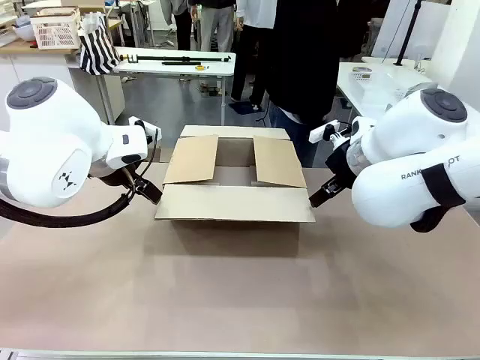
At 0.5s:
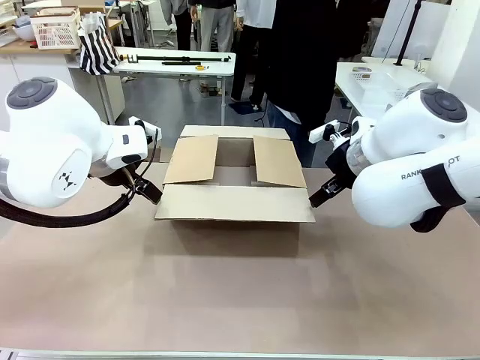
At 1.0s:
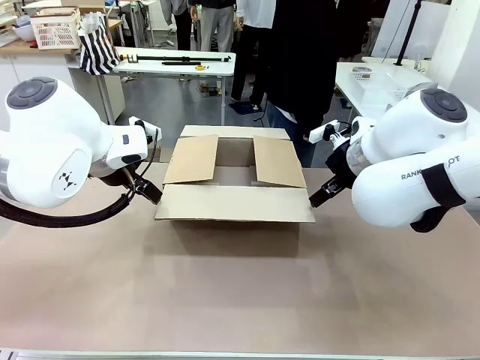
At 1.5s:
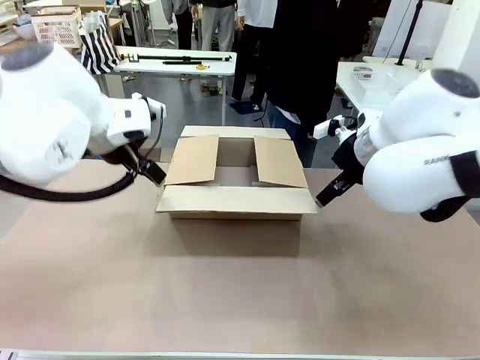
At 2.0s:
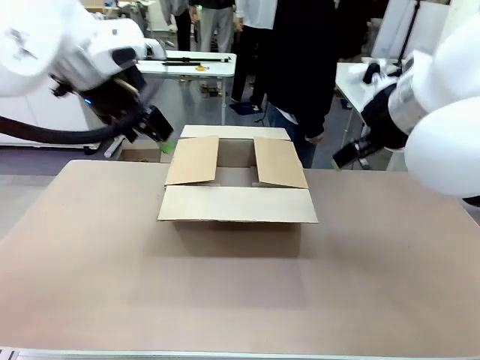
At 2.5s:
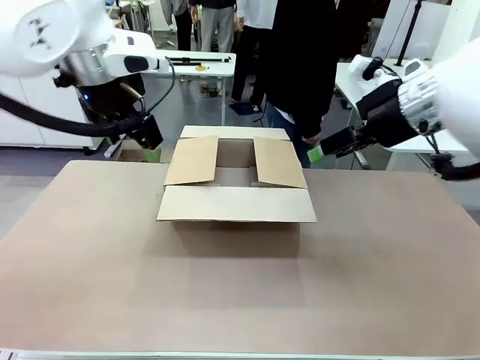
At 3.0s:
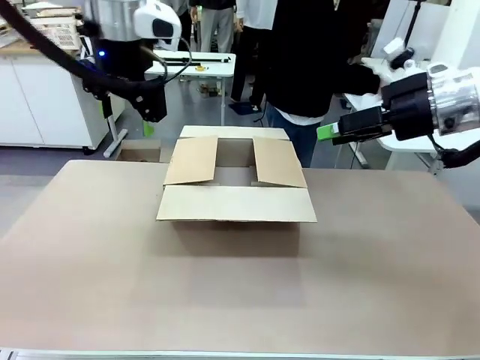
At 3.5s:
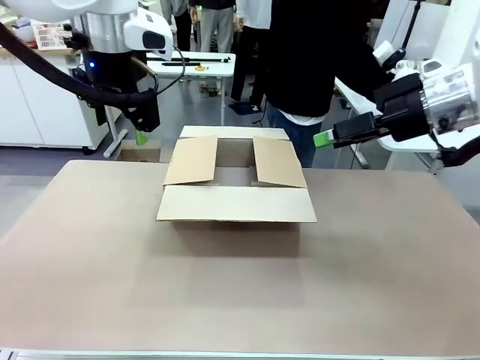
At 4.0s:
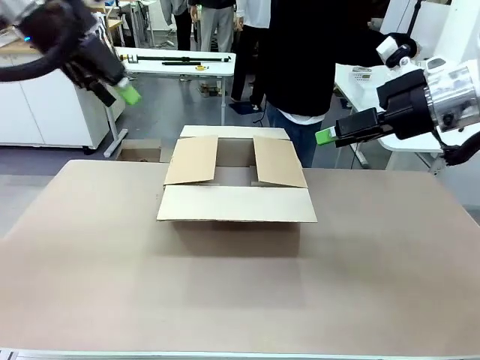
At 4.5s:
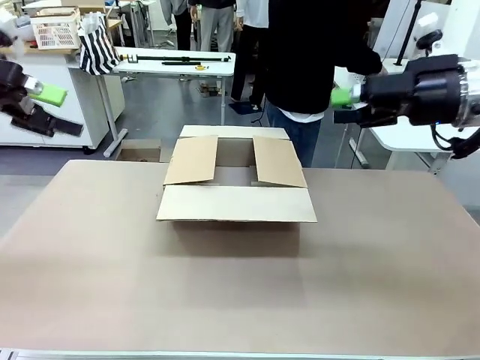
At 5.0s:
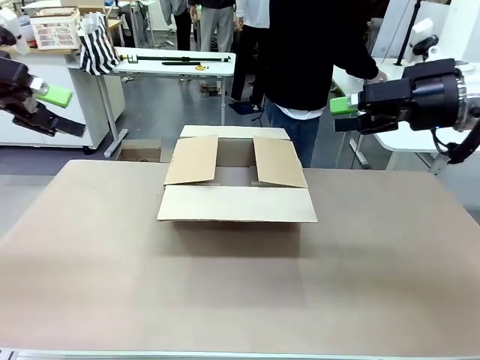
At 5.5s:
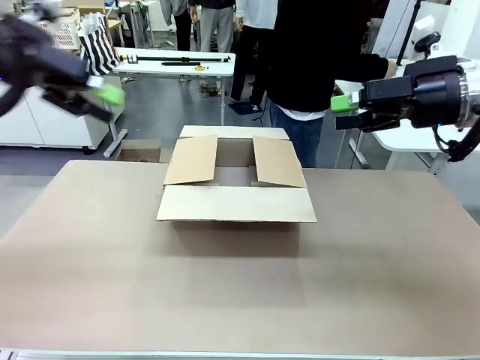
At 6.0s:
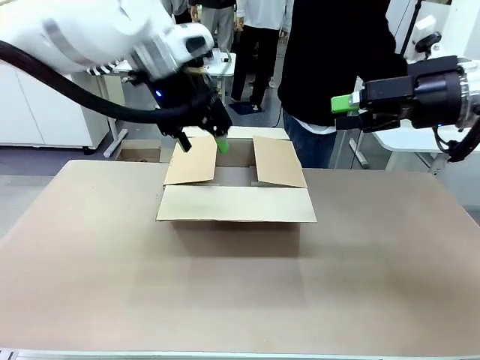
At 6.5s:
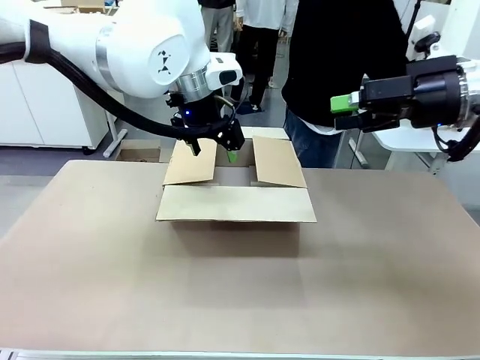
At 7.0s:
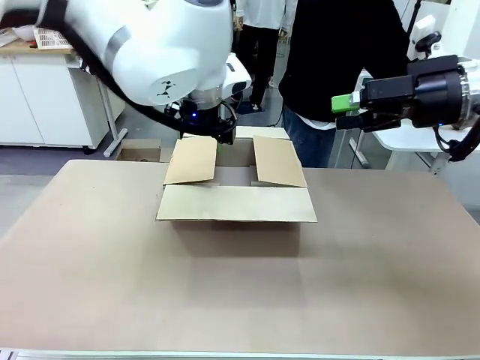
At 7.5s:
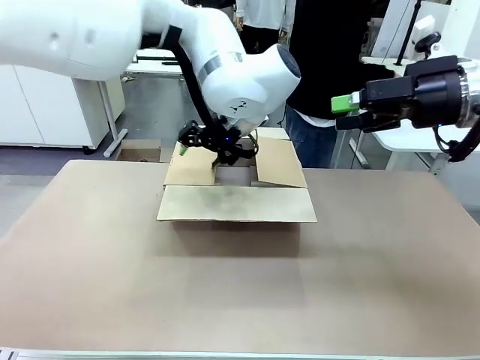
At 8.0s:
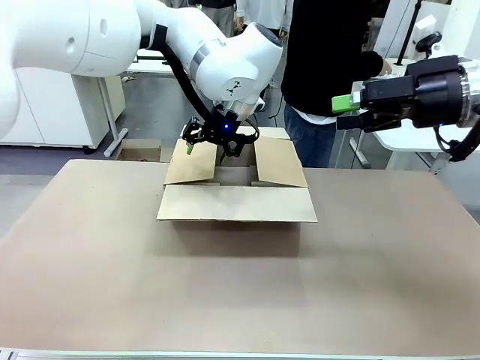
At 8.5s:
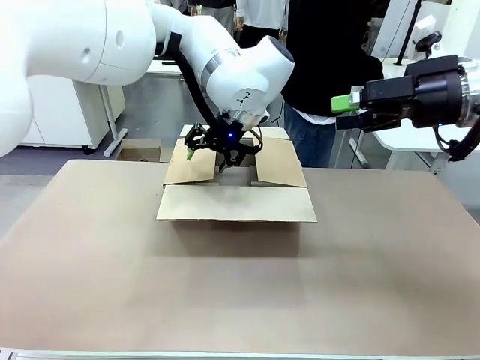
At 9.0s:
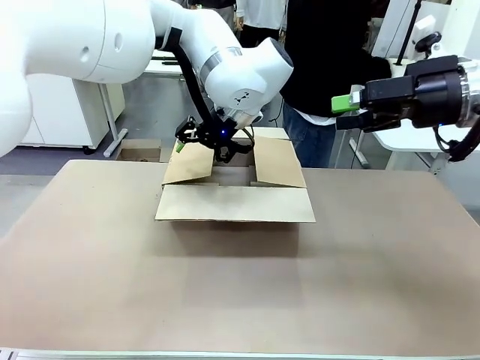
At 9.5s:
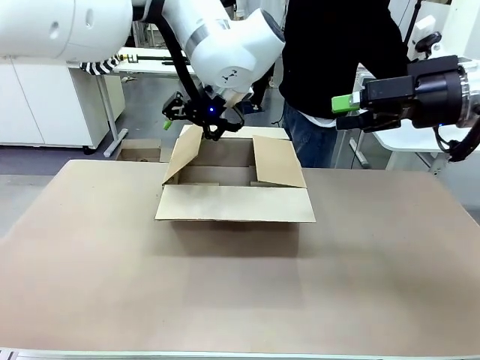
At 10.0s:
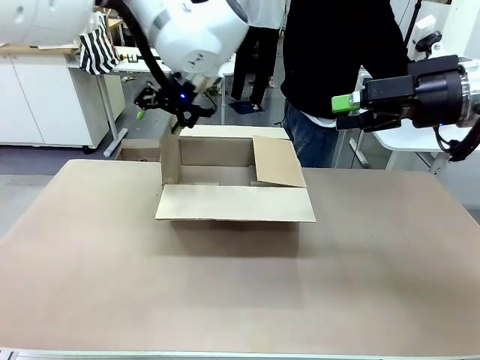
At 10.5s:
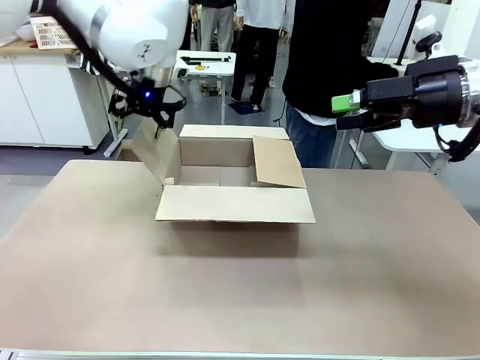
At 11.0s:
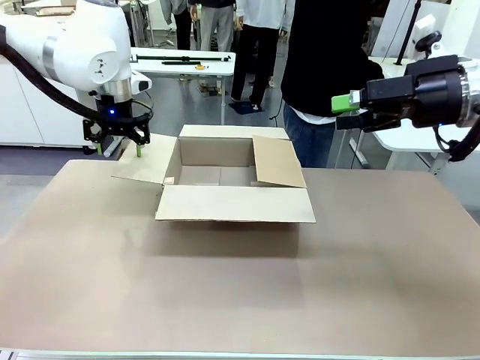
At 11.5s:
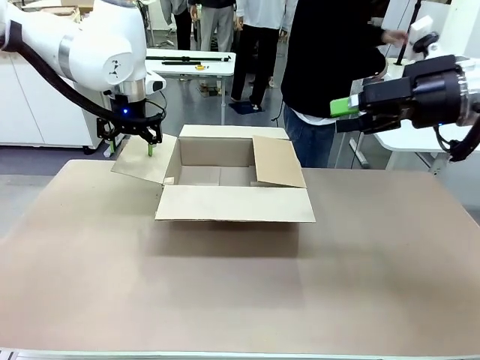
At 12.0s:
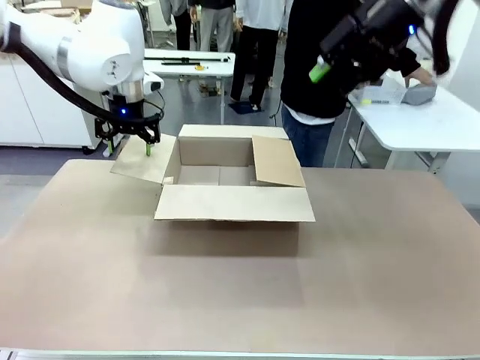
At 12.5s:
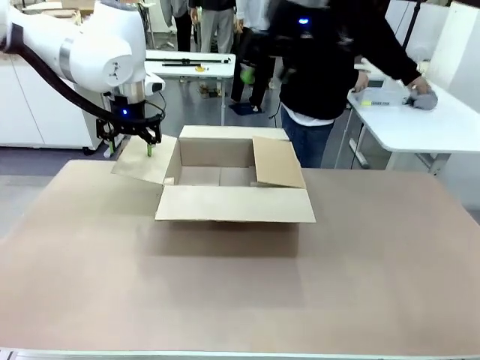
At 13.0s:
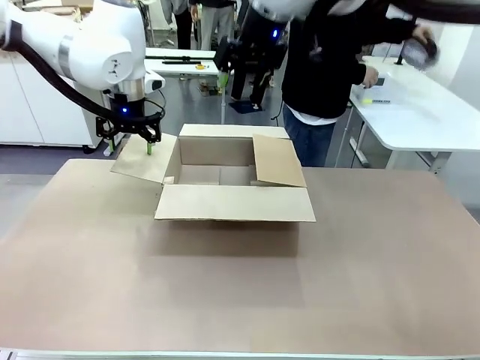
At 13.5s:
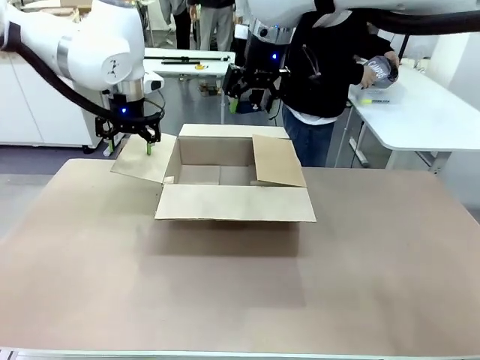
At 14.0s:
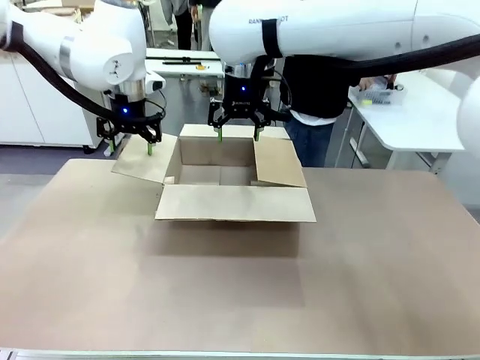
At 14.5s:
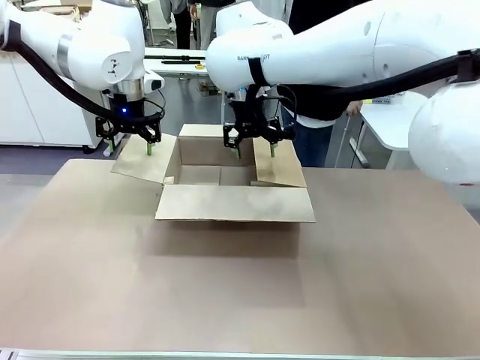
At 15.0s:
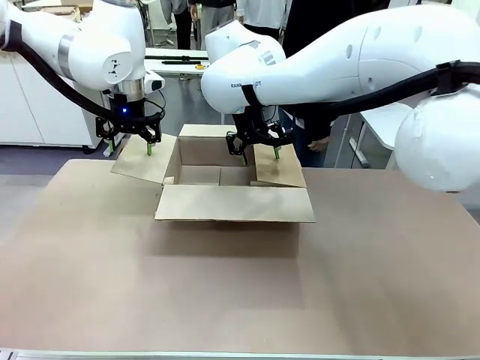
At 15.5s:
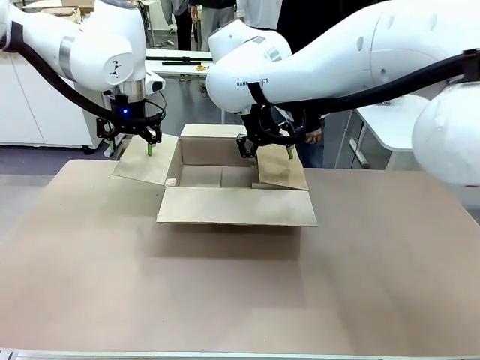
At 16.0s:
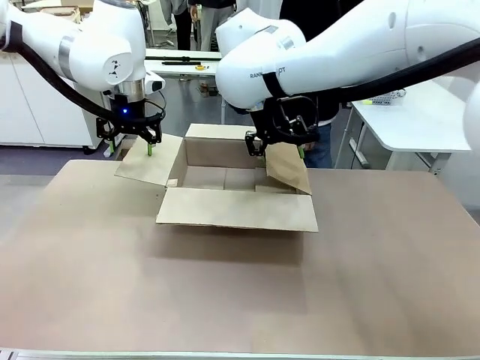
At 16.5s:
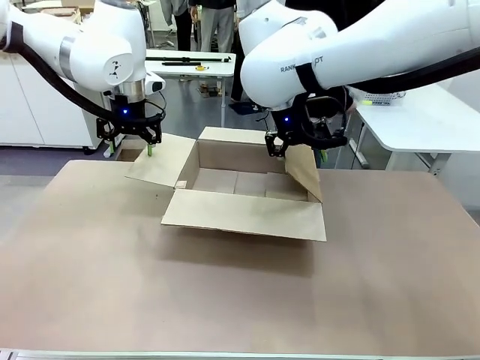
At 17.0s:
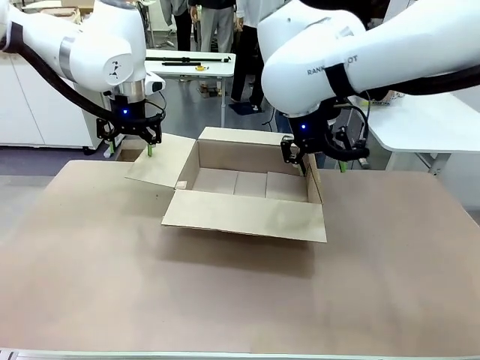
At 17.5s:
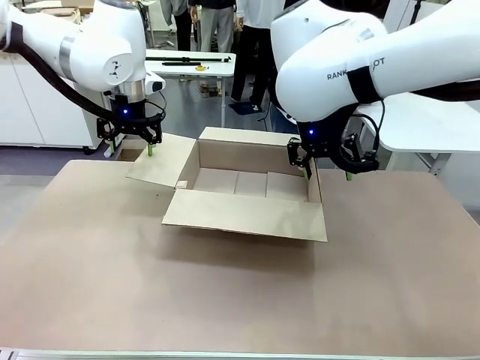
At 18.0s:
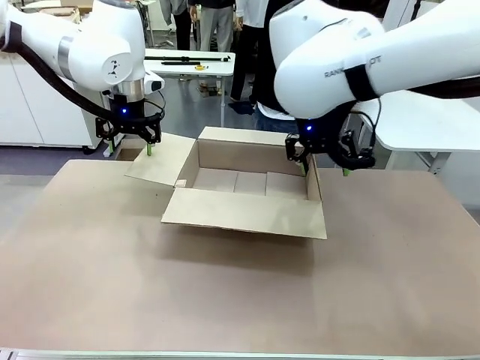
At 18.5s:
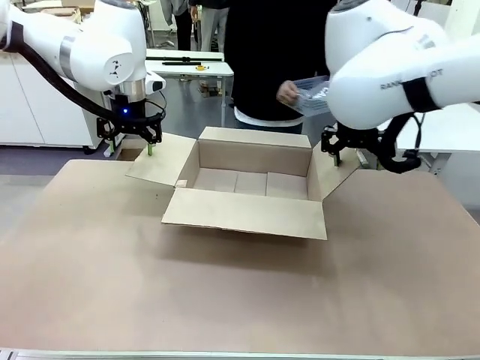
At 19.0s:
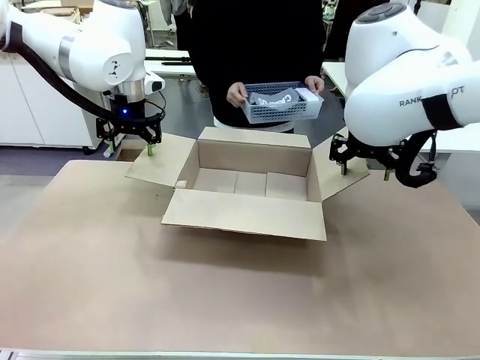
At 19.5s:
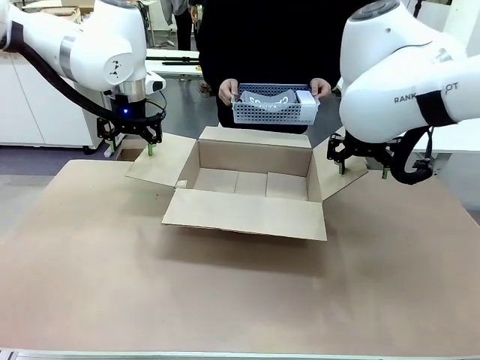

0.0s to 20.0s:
Task: Pack the gift set into the box.
Robot: Place both hands on the side flaps of the Package Box and spread them outward.
Person: The human places all items except the paper tape into the organizing basket. The human picks up the organizing basket and places the organizing basket into the package box on the robot table.

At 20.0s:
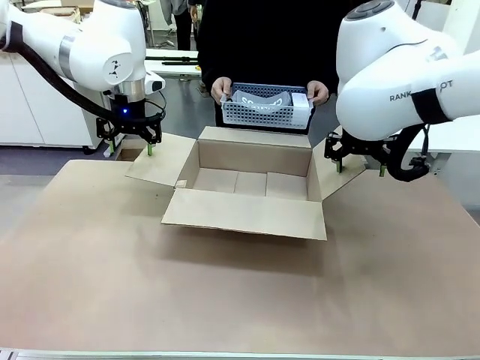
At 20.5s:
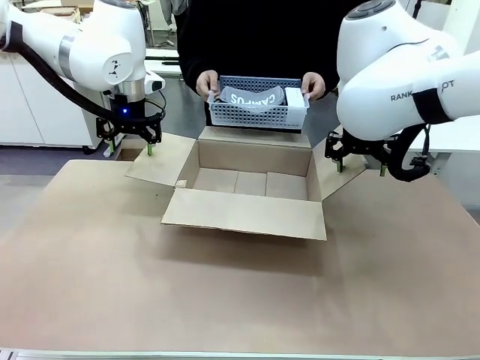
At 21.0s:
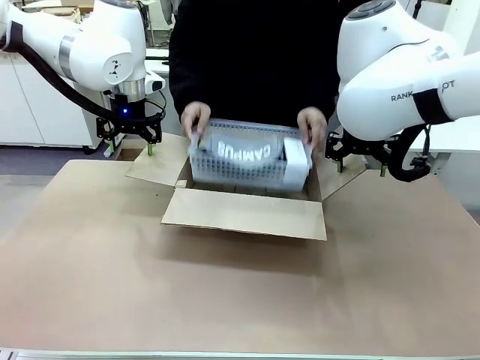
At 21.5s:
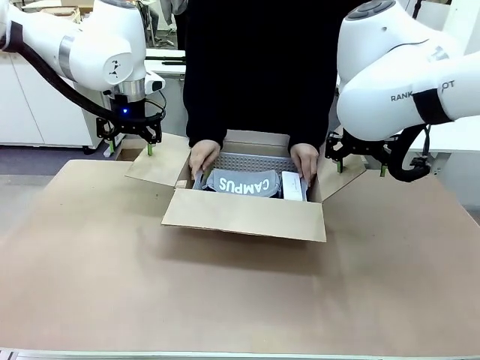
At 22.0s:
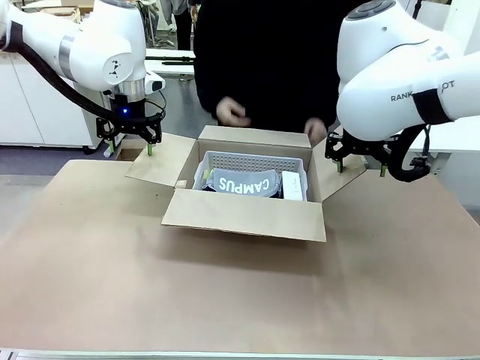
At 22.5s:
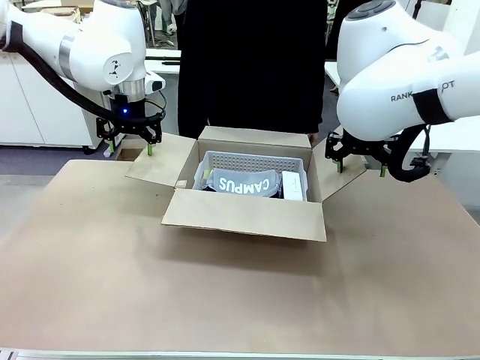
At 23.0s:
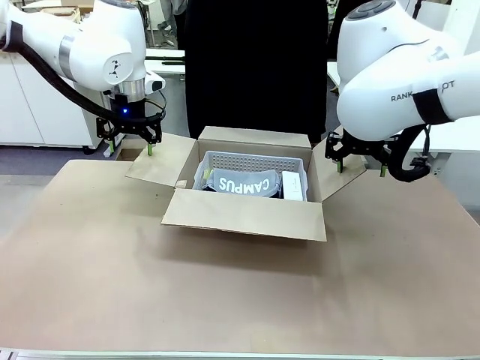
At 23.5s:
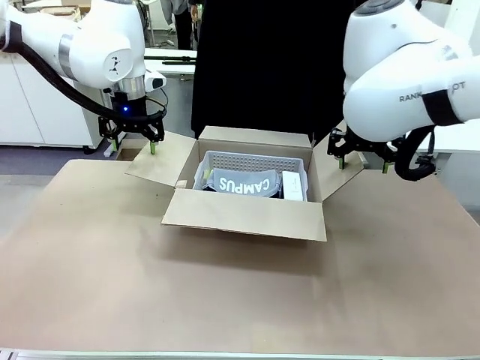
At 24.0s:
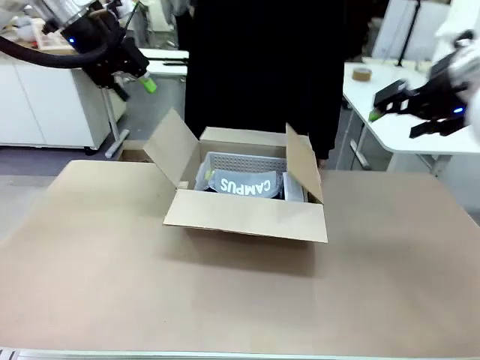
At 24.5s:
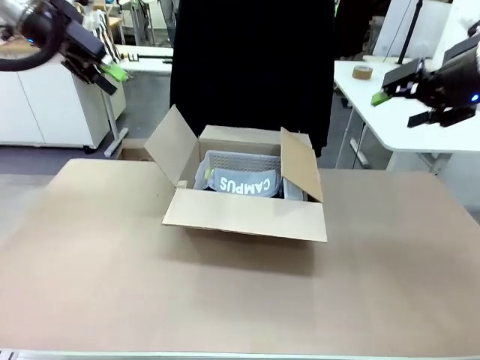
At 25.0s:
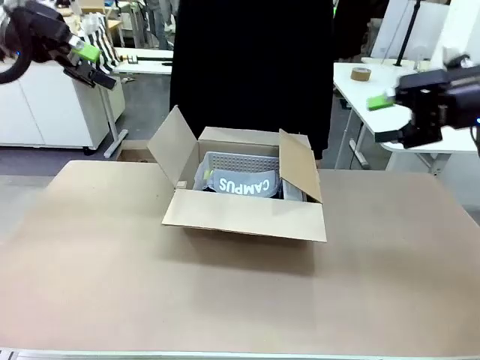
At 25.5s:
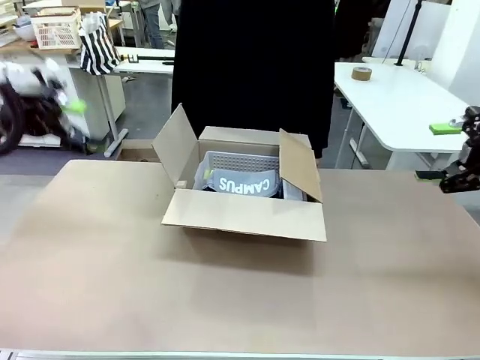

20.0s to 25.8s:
Robot: Lift both hands away from the flaps of the Package Box.
